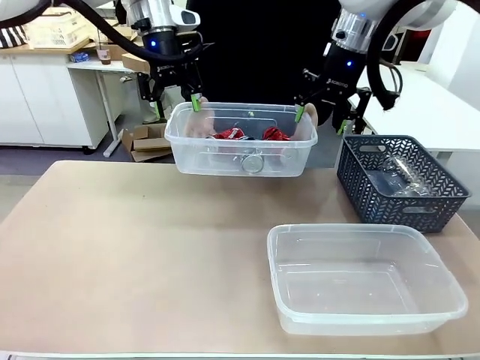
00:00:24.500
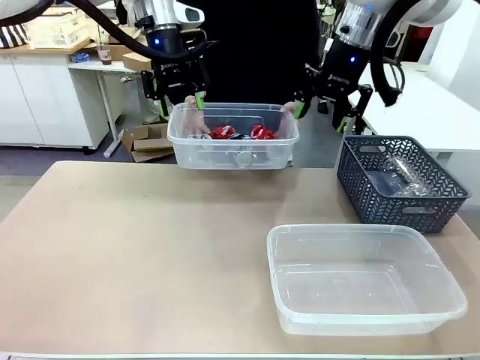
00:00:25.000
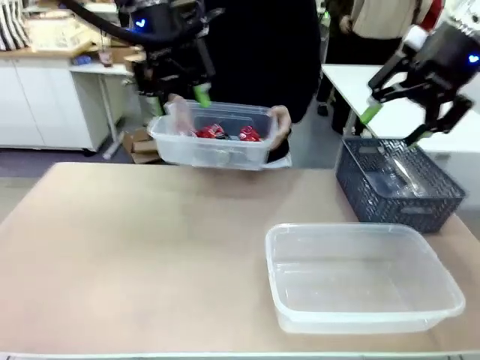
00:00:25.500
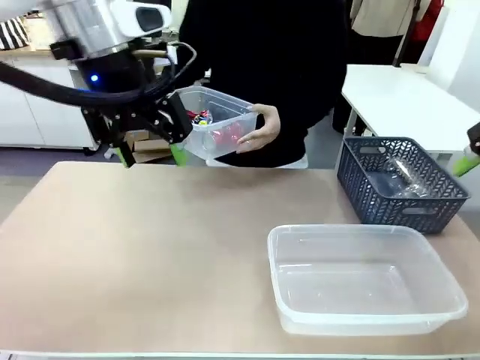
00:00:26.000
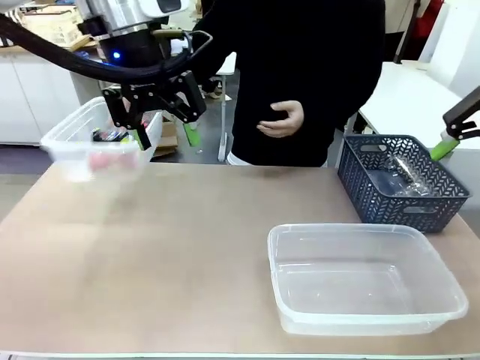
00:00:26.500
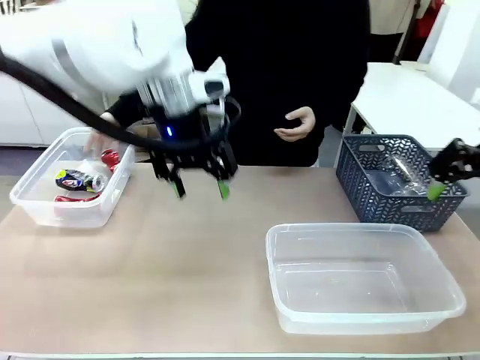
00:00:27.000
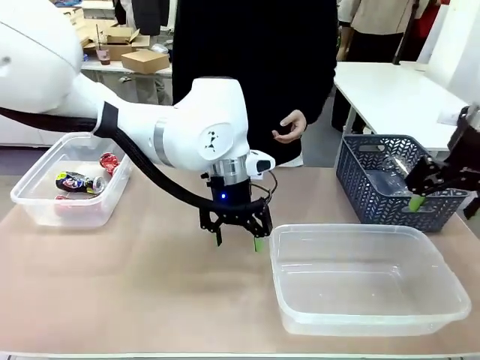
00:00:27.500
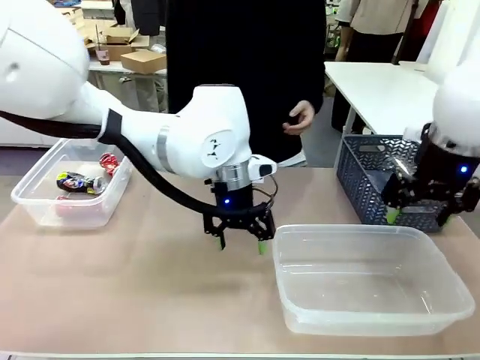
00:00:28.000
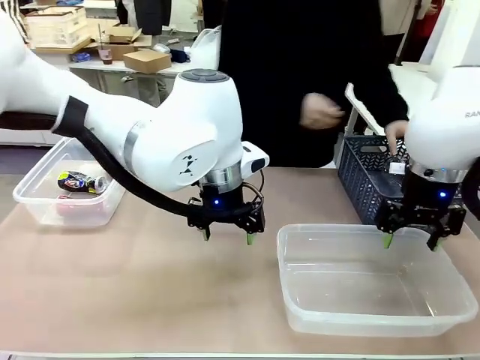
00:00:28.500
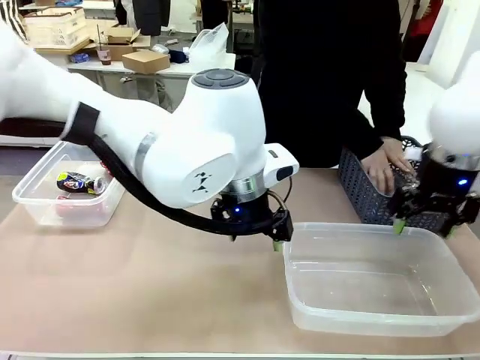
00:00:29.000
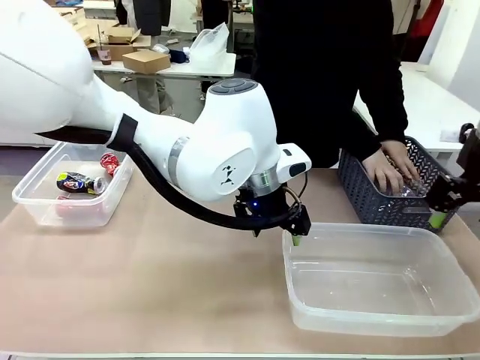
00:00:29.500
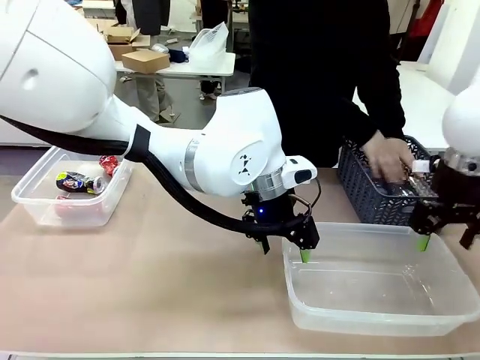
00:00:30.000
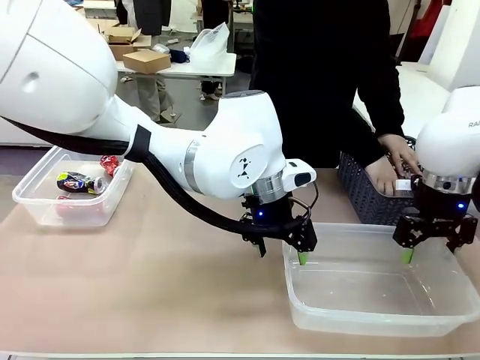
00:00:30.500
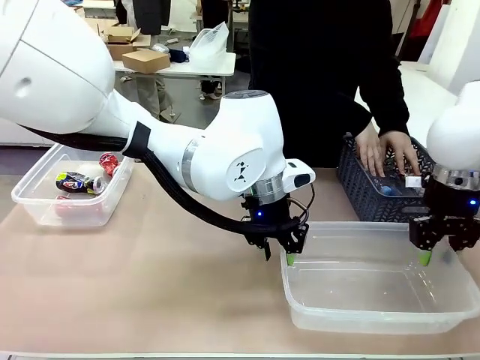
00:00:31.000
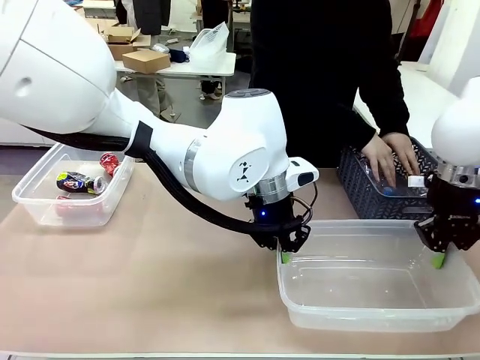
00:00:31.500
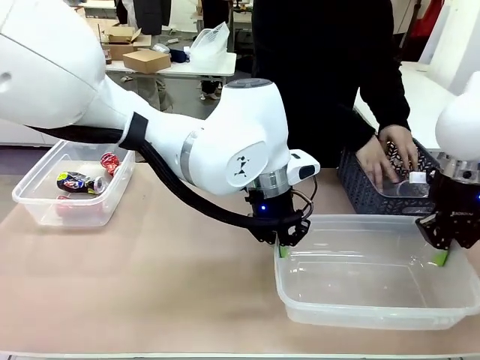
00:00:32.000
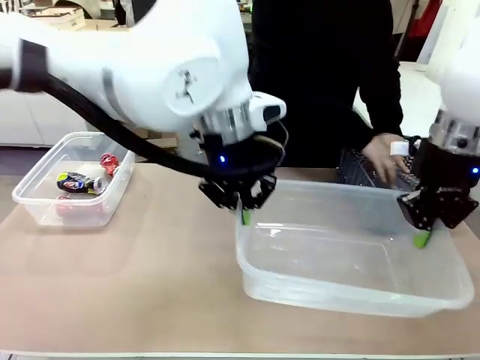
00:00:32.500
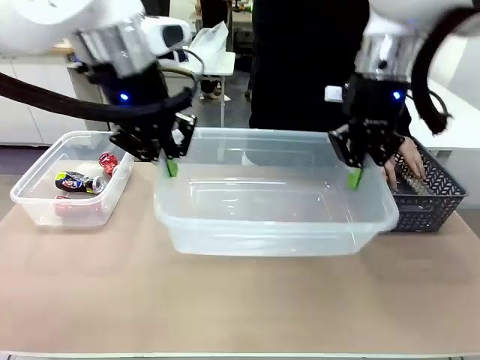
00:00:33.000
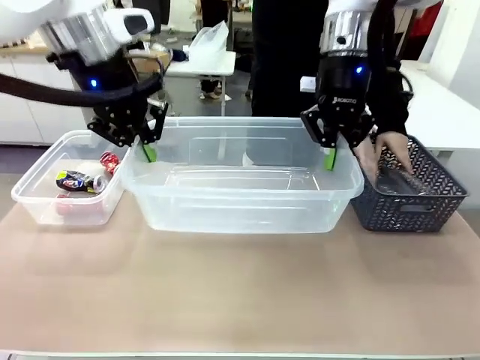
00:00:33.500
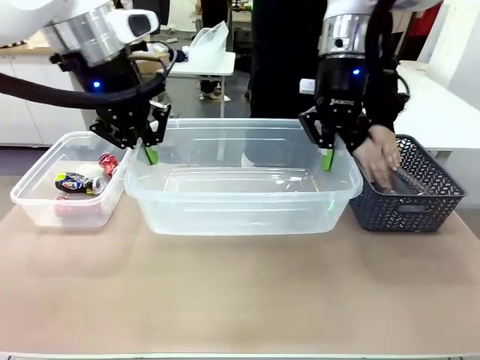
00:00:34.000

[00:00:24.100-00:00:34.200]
Robot: Pick up the Organizing box on the right side of the table and lift it.
Person: Place it at the edge of the bottom right area of the robot table. Pick up plastic waste one by one and place it into the organizing box lifted by the robot.

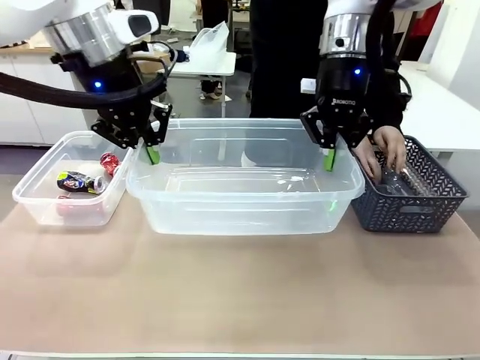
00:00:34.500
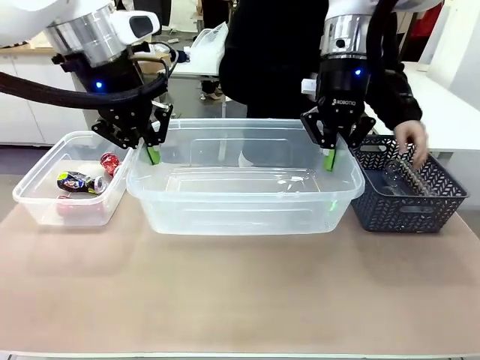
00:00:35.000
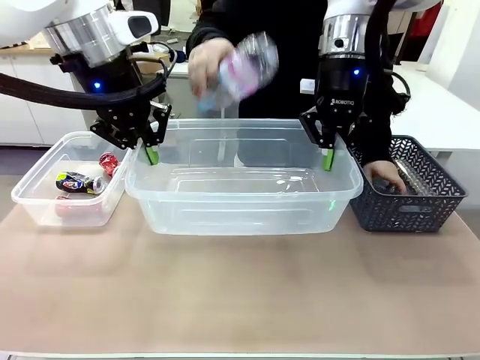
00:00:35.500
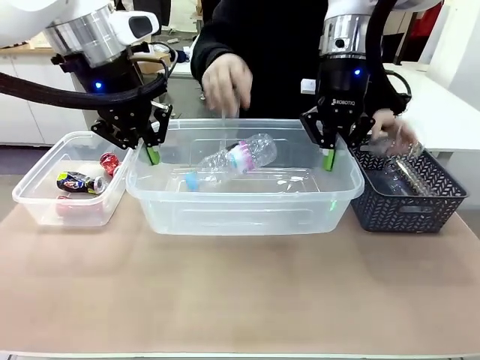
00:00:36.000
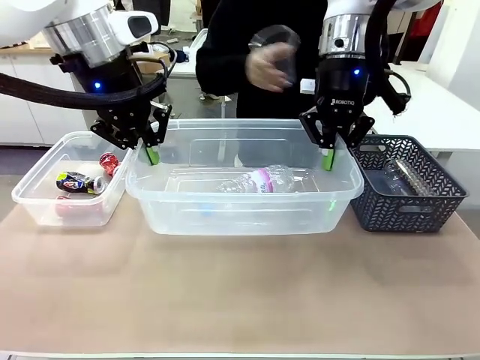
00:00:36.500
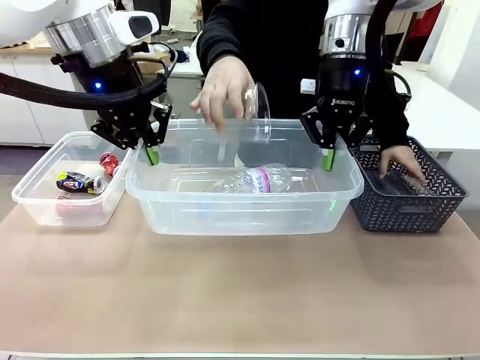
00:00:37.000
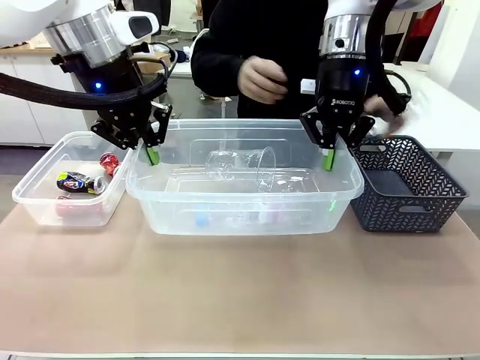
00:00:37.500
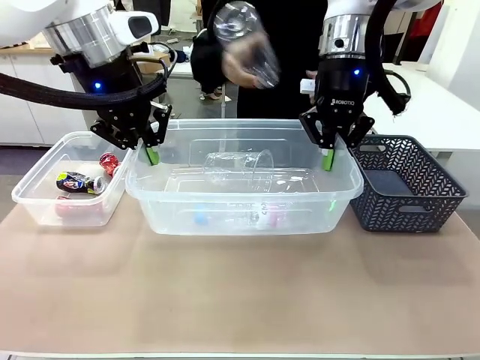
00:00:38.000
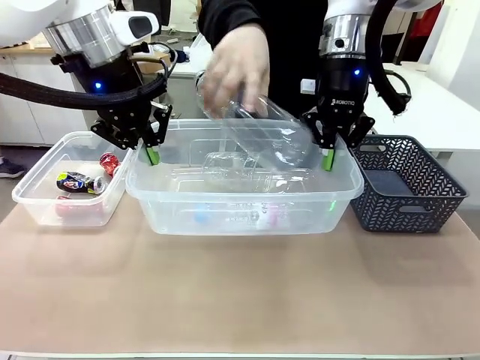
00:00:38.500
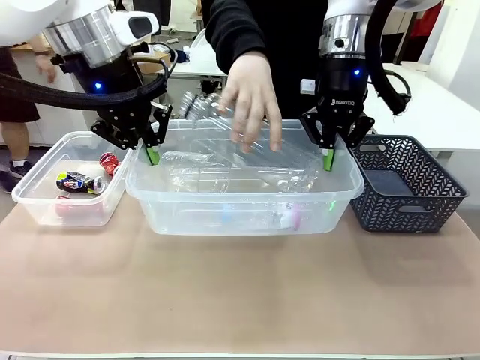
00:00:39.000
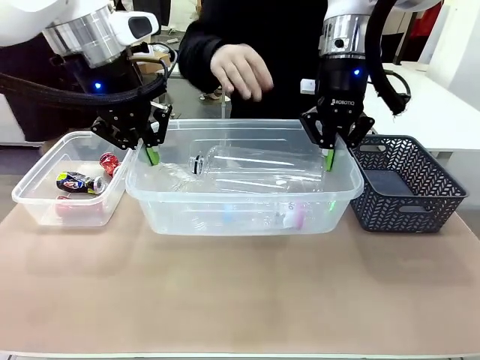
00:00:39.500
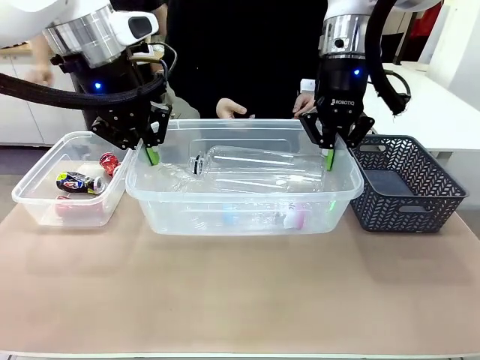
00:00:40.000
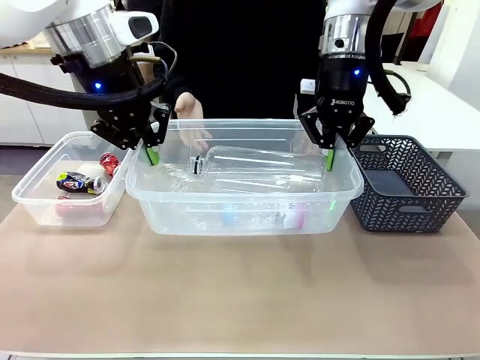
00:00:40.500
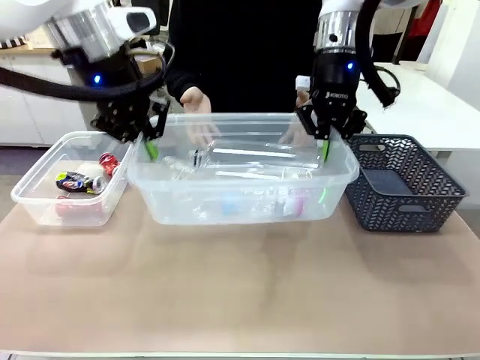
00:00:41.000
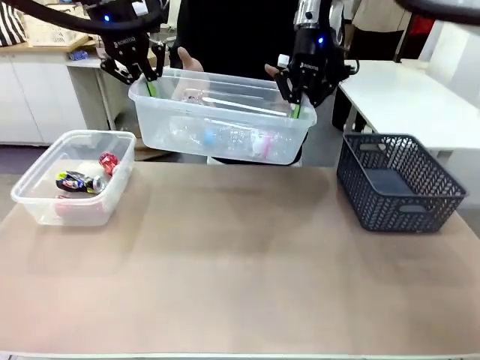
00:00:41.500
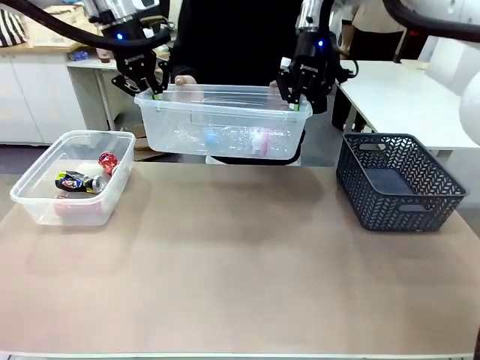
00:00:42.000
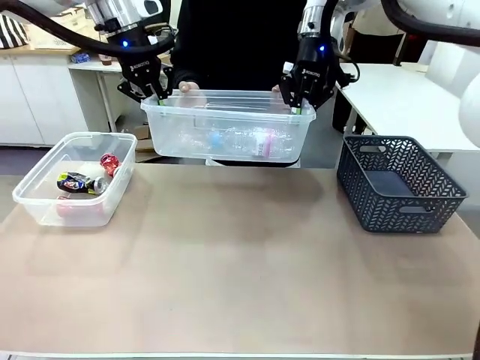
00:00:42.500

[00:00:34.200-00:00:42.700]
Robot: Offer the picked Organizing box to the human.

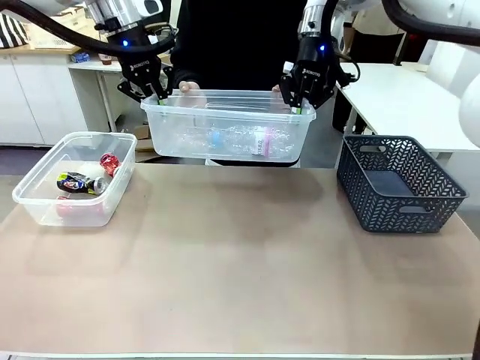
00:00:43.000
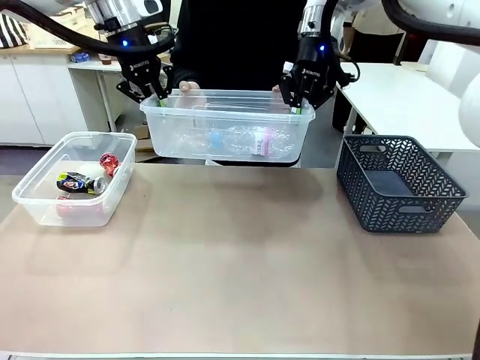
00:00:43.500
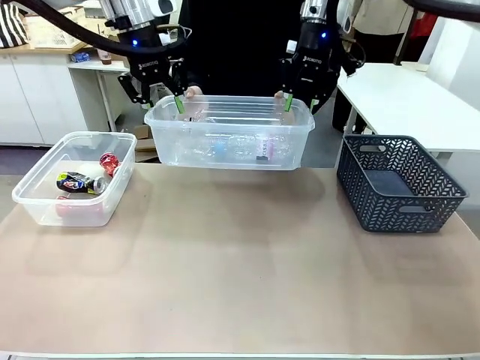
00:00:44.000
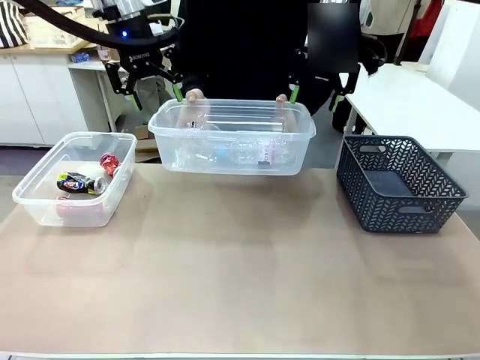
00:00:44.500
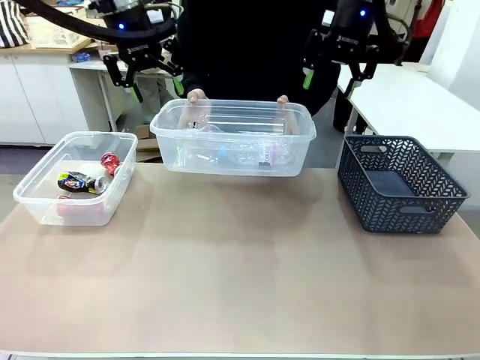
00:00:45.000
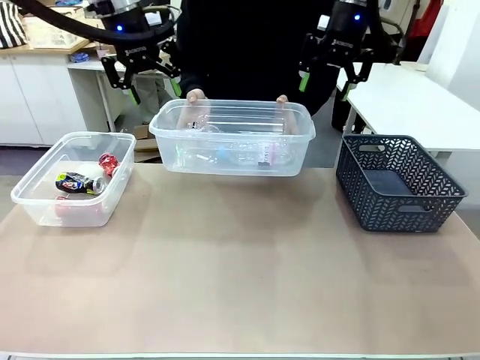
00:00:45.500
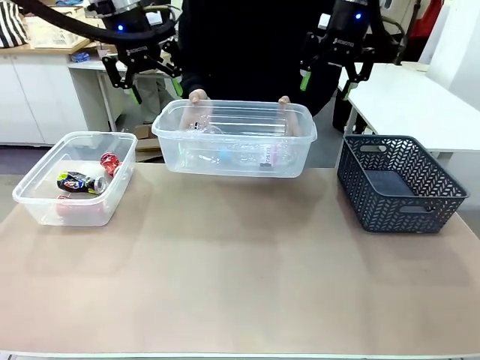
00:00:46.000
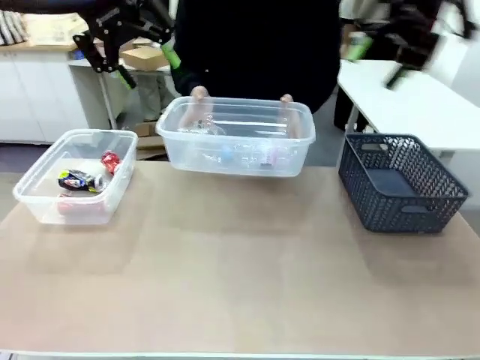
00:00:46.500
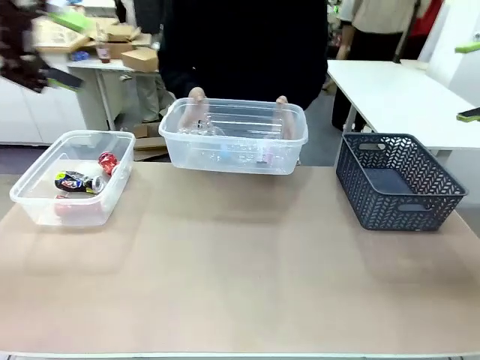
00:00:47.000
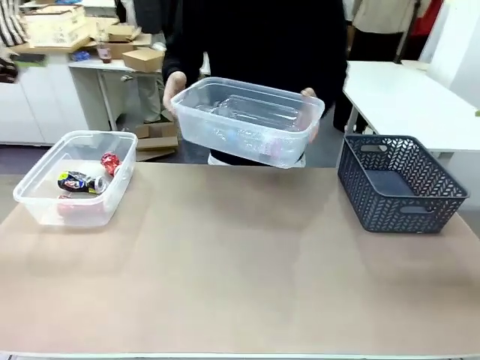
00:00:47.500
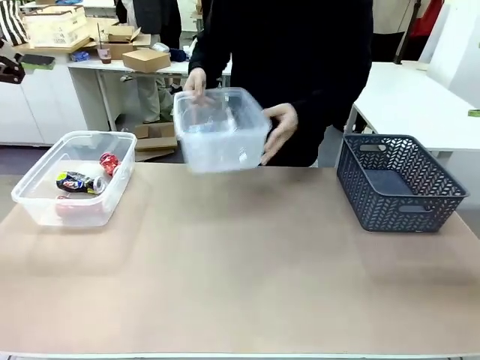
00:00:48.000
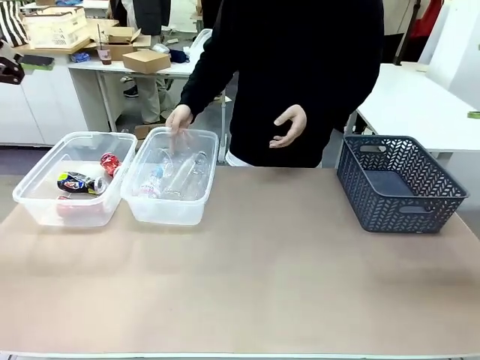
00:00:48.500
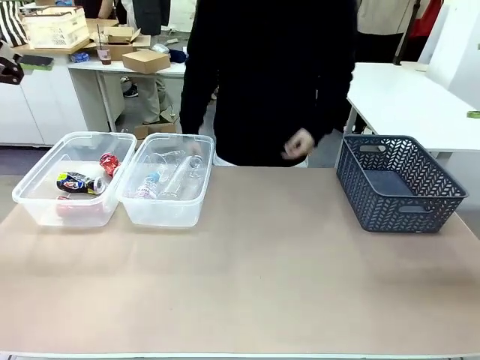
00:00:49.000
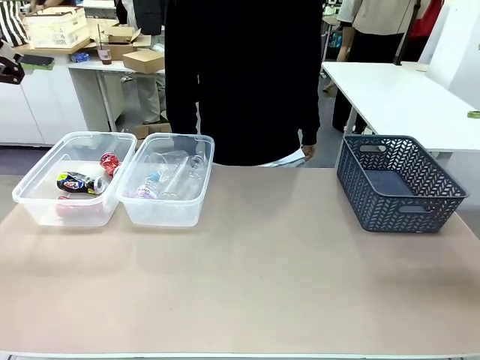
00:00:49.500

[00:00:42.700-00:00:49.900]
Robot: Release the Organizing box you were holding.
Person: Pick up the organizing box extended by the robot. Place the organizing box to the left of the sorting box containing the can waste.
